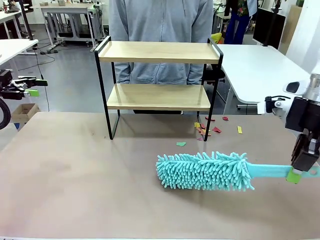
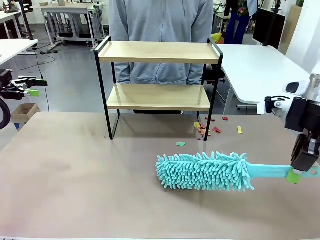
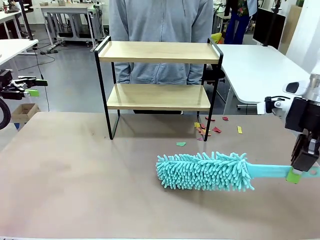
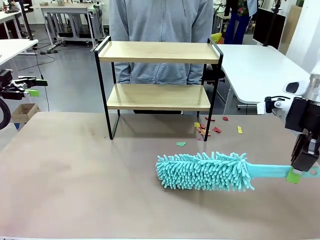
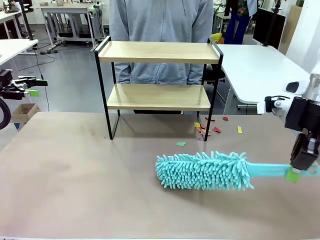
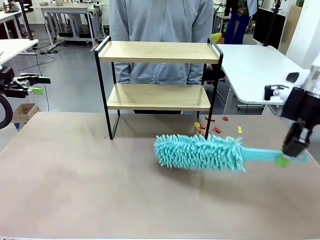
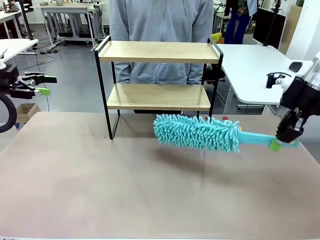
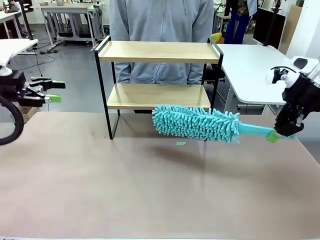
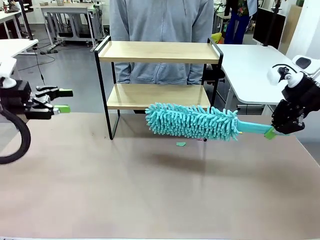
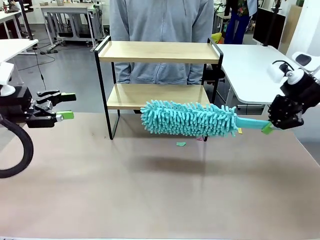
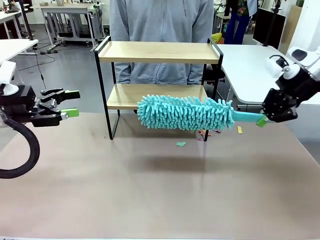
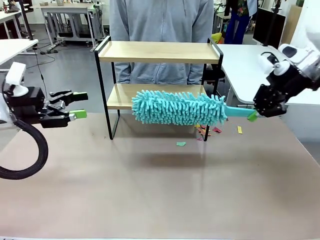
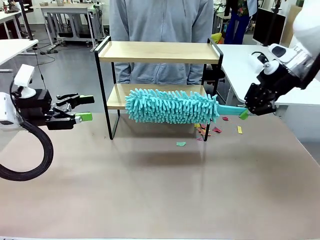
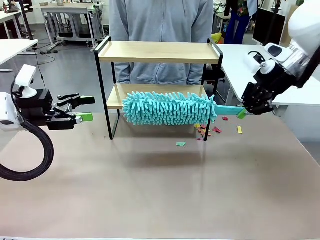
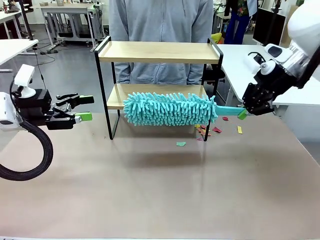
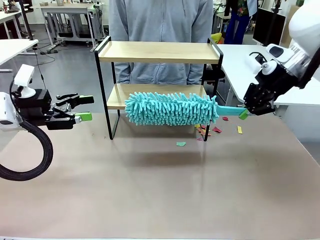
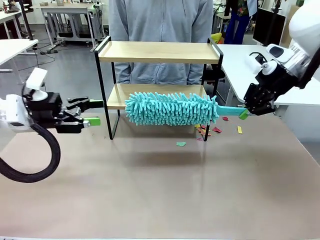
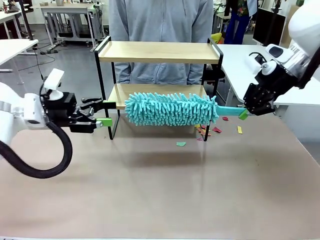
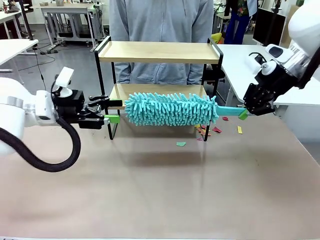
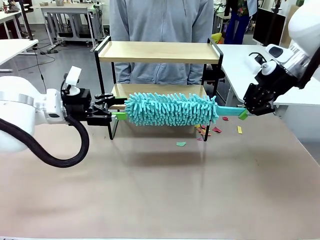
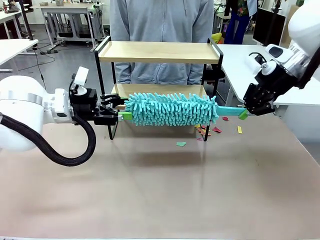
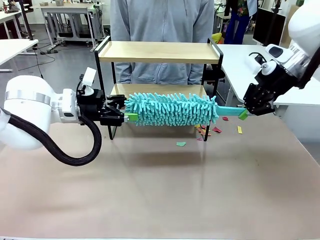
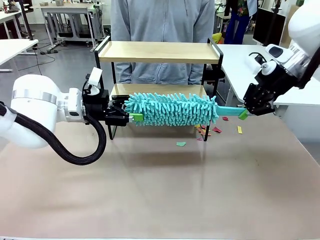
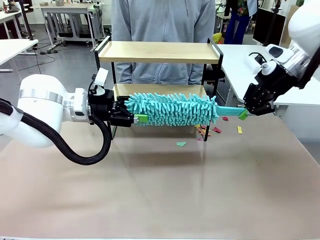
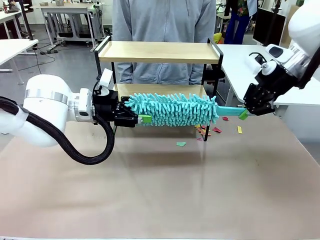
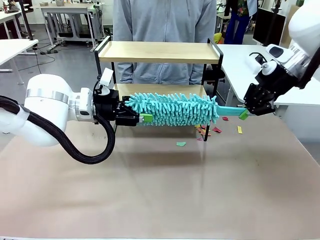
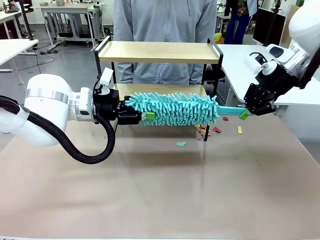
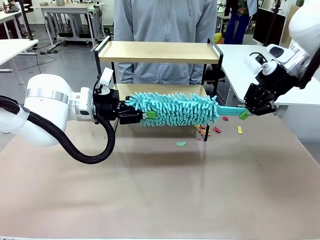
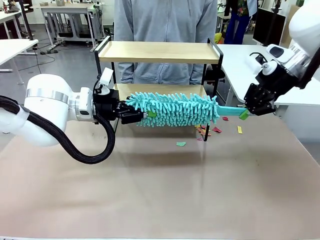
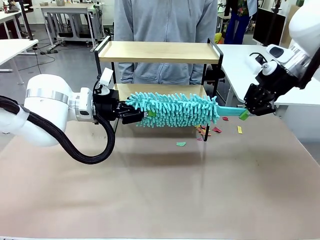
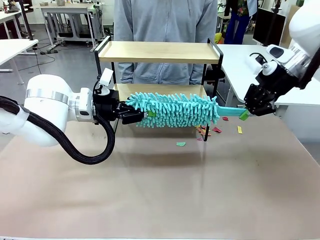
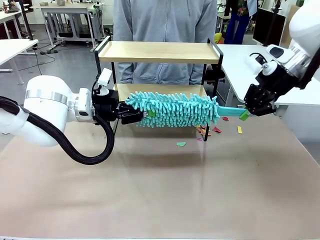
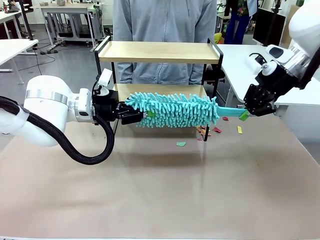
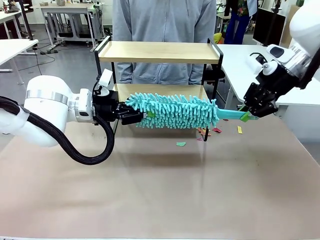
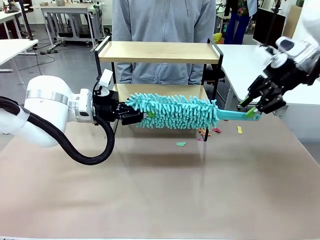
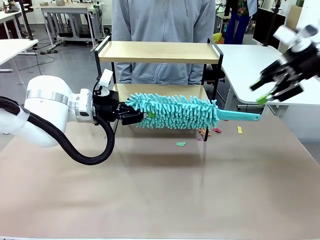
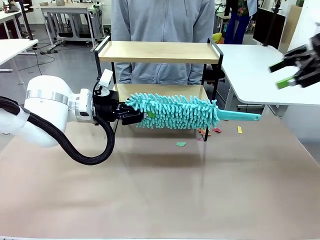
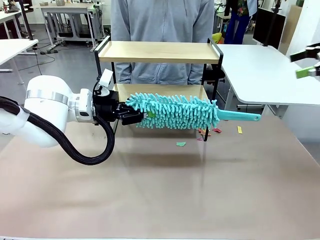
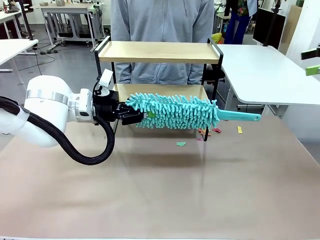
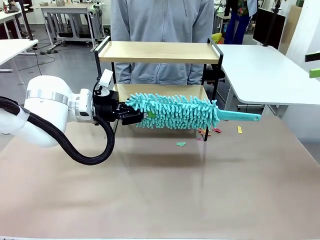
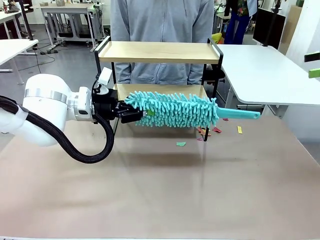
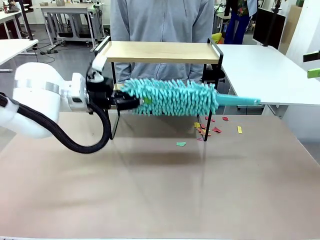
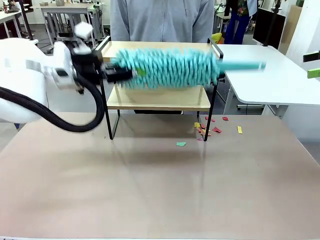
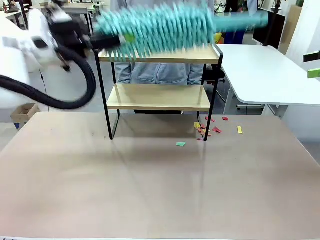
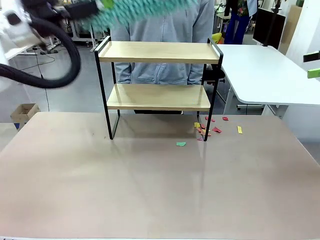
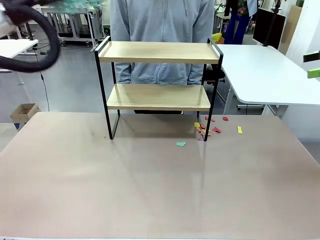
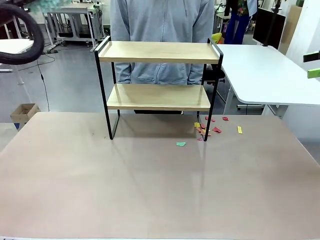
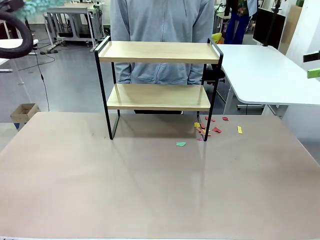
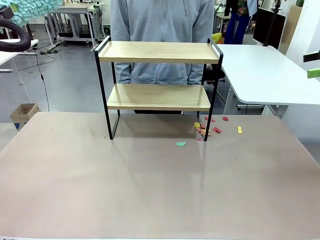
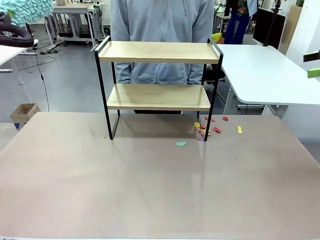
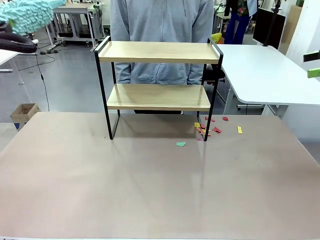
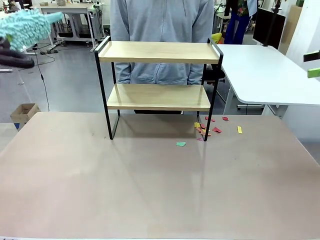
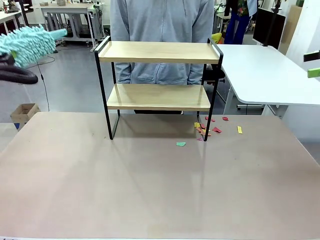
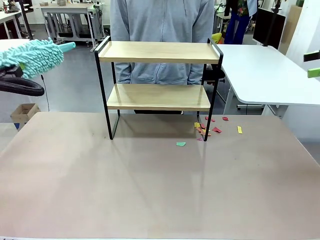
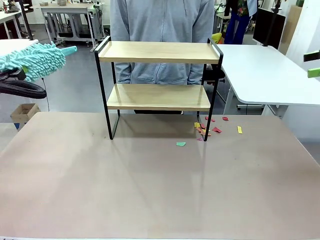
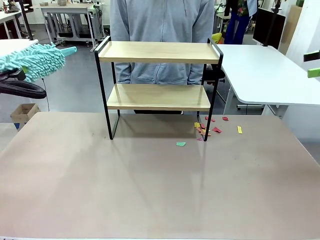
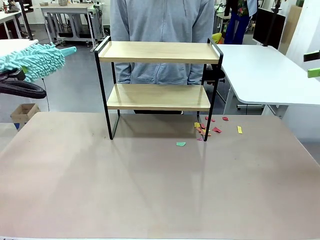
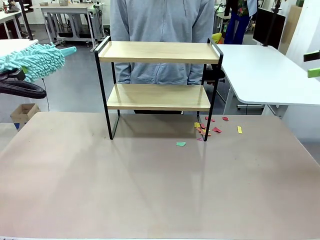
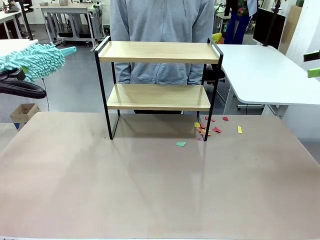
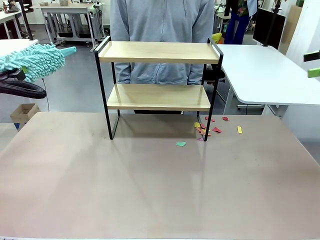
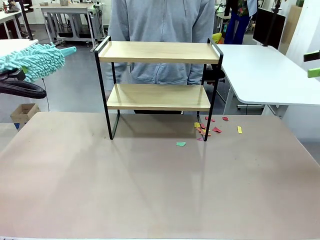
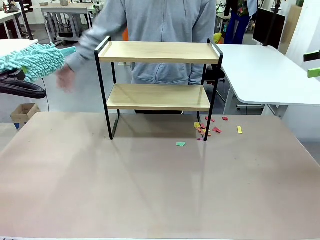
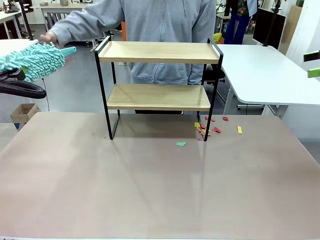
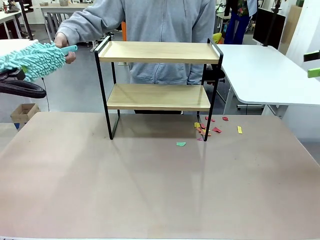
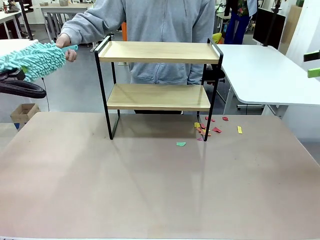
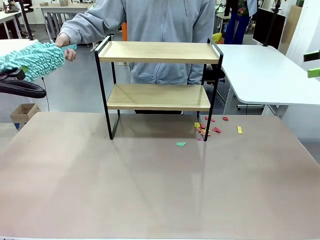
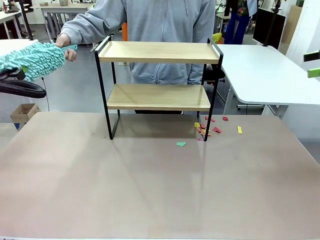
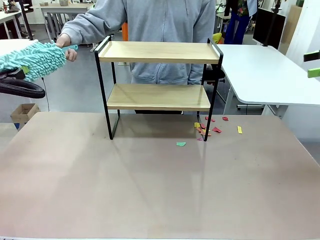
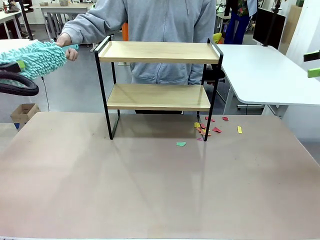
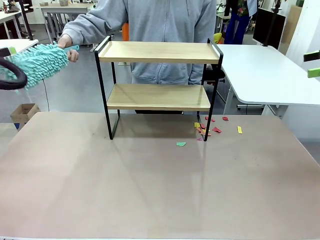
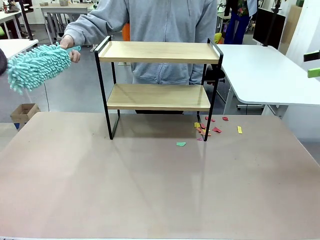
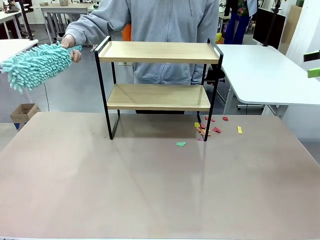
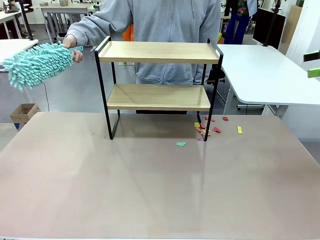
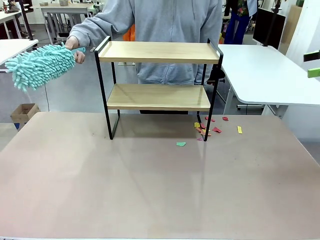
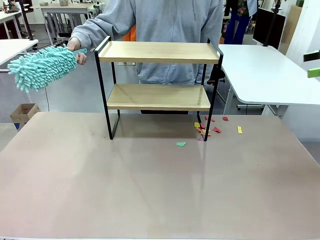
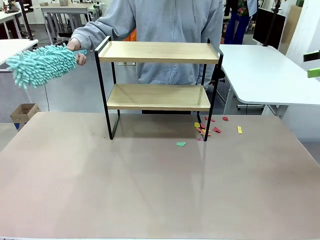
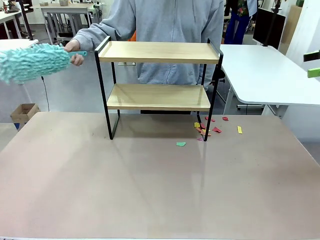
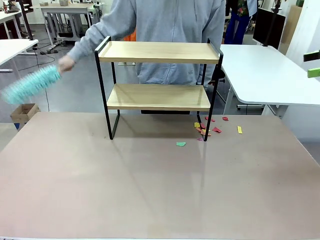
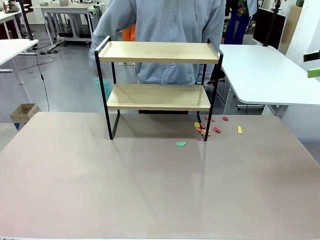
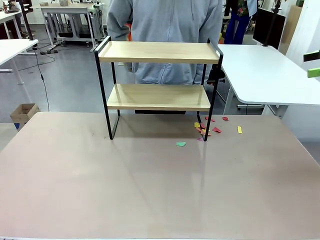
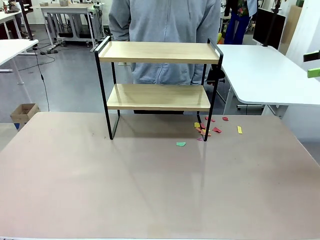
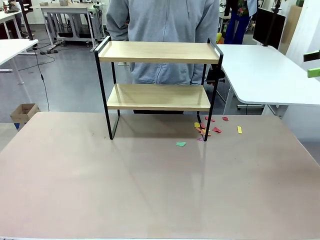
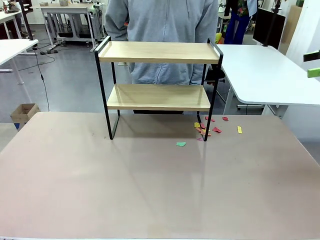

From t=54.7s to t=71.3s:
Task: Clean the shelf.
Robot: Hand the Duster back to the human.
Person: Receive the Duster from the robot.

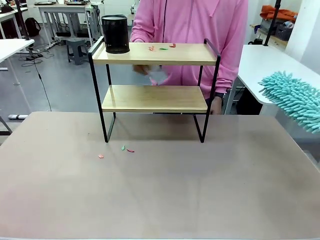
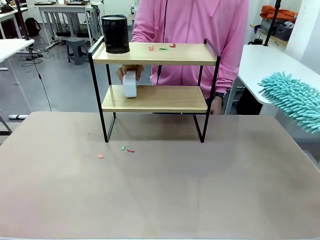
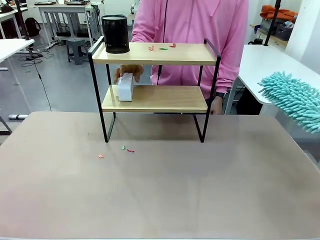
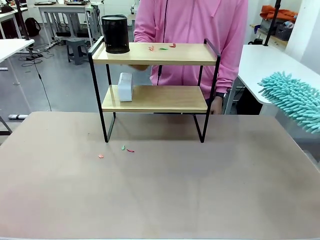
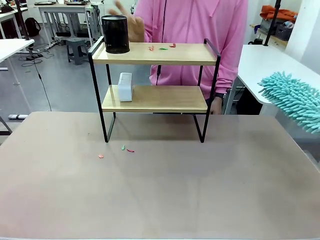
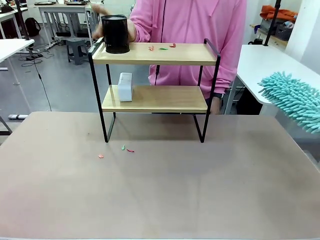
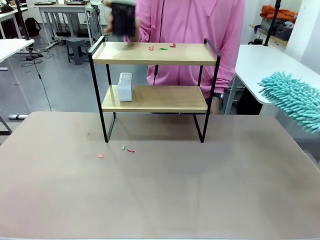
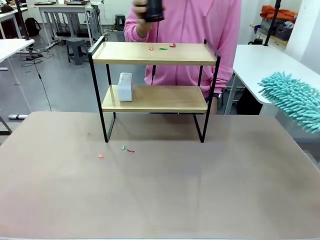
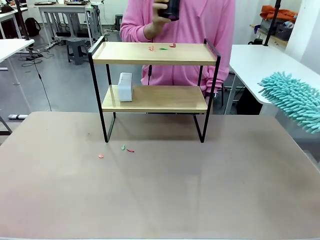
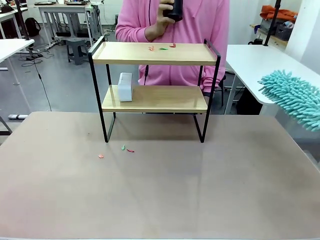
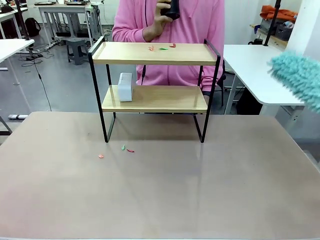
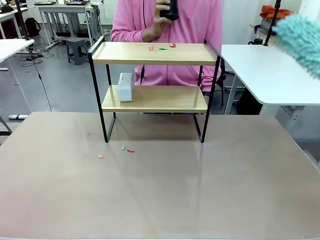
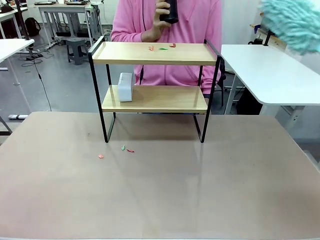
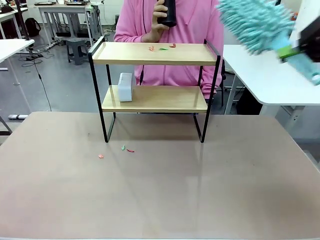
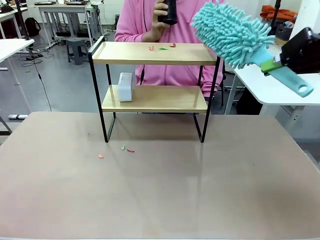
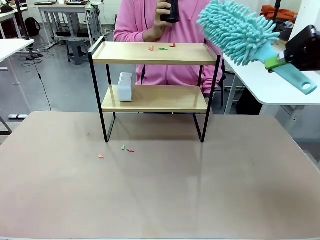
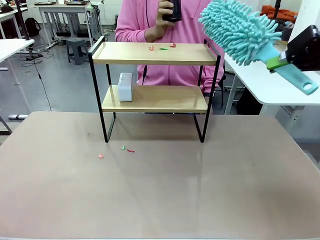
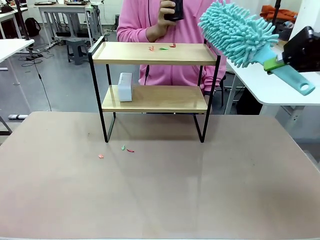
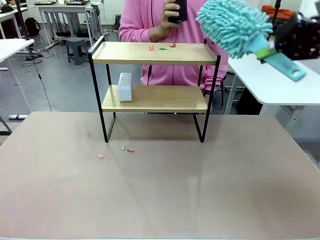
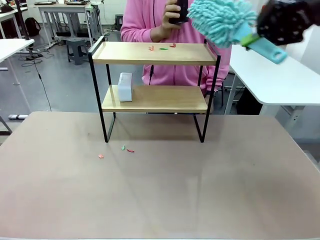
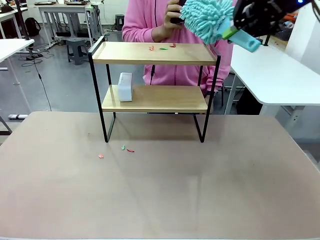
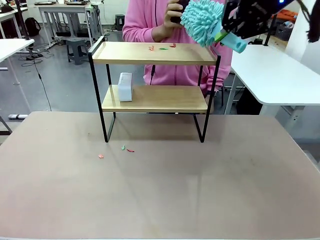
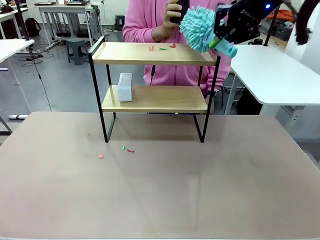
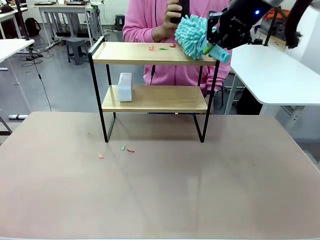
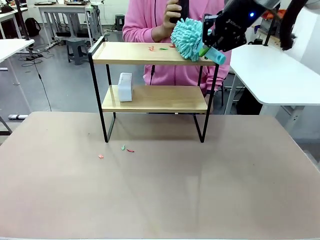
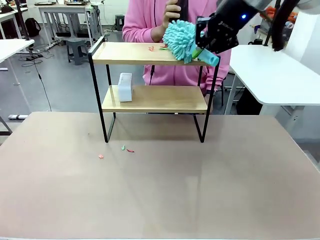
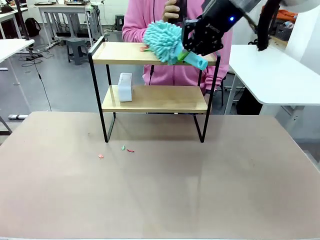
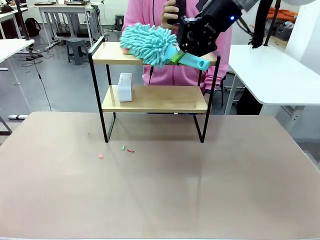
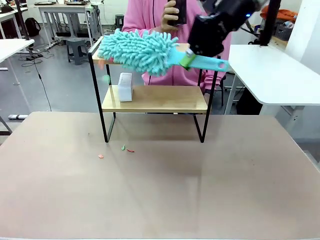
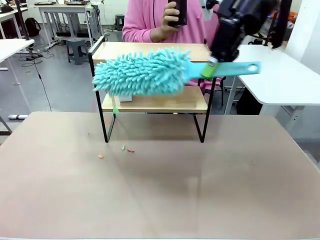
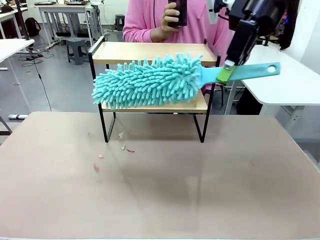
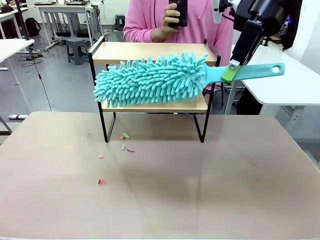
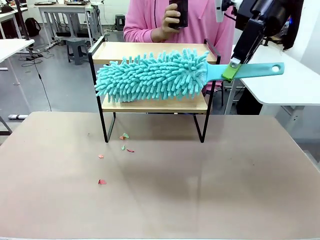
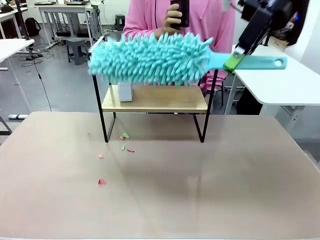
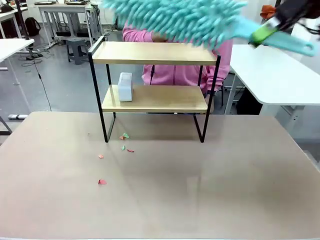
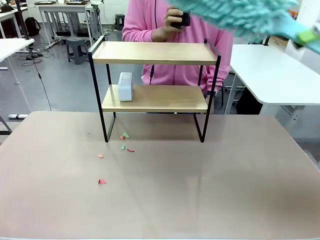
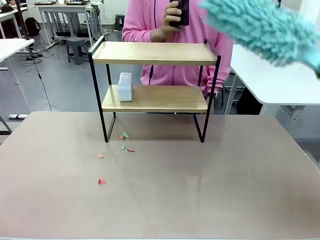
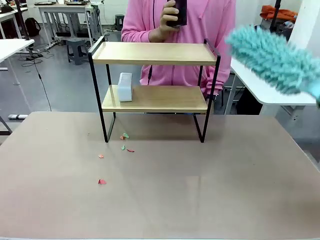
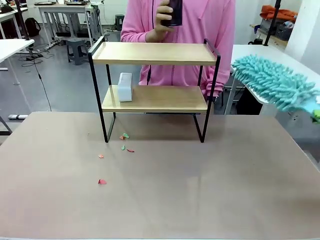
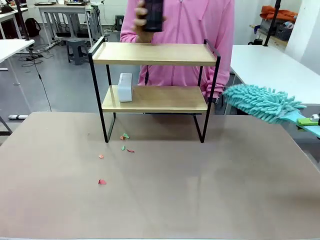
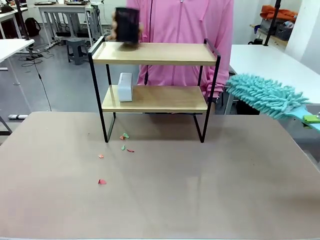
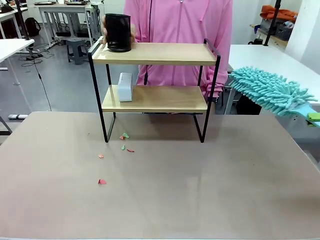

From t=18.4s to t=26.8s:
Task: Clean the shelf.
Robot: Clean the remaining tier of the Shelf with the Duster once objects are removed.
